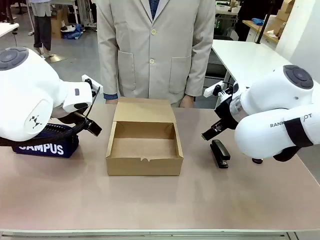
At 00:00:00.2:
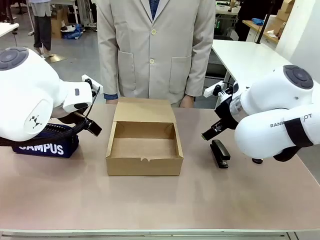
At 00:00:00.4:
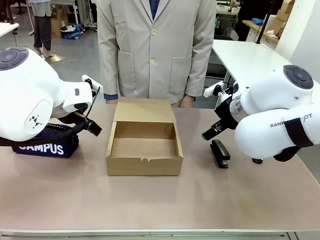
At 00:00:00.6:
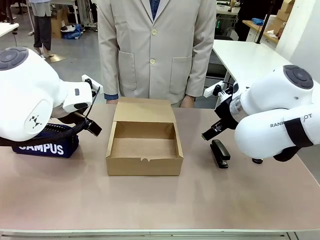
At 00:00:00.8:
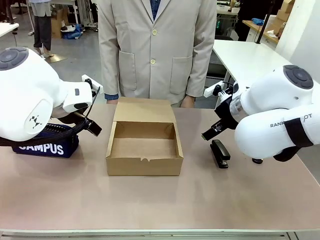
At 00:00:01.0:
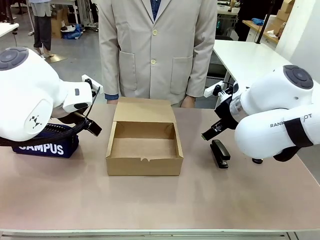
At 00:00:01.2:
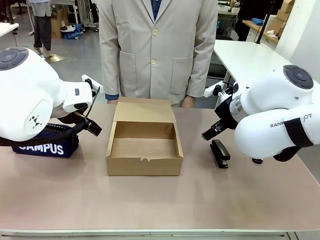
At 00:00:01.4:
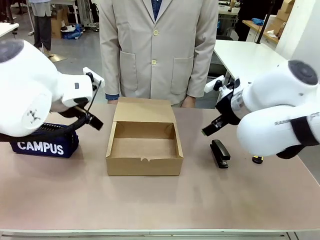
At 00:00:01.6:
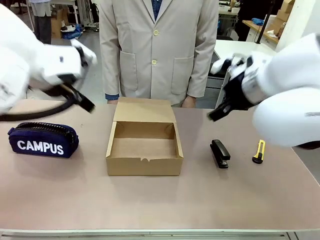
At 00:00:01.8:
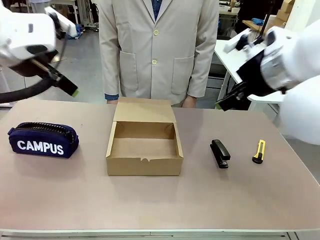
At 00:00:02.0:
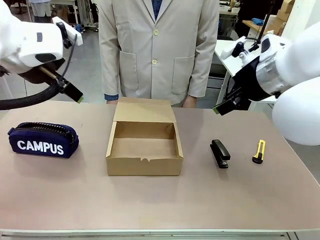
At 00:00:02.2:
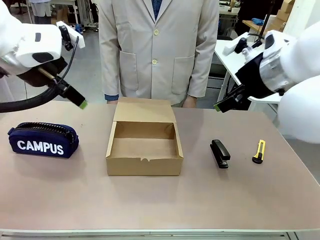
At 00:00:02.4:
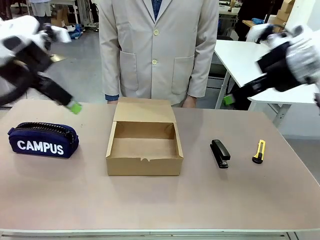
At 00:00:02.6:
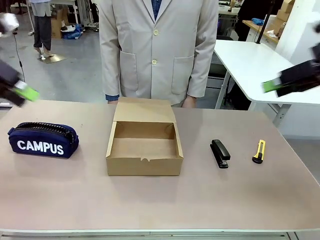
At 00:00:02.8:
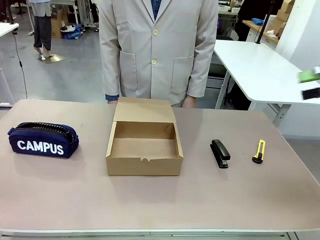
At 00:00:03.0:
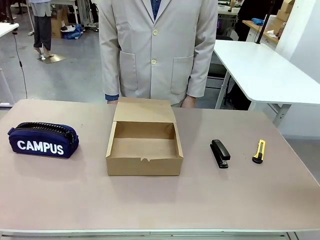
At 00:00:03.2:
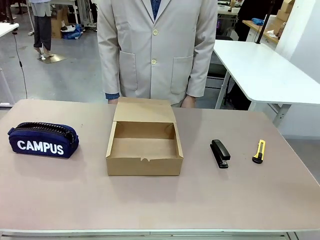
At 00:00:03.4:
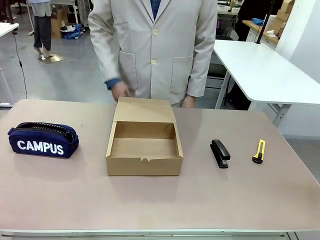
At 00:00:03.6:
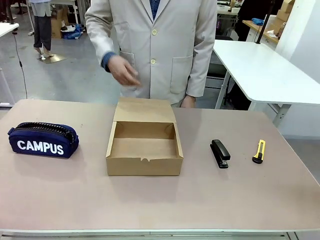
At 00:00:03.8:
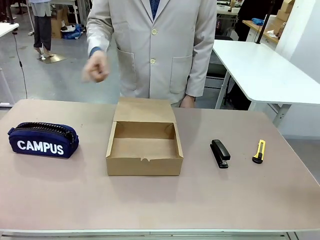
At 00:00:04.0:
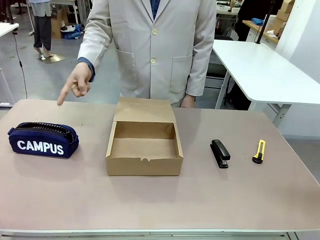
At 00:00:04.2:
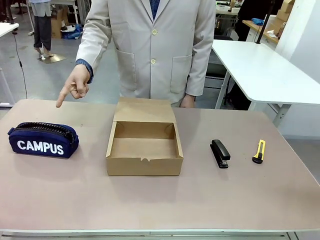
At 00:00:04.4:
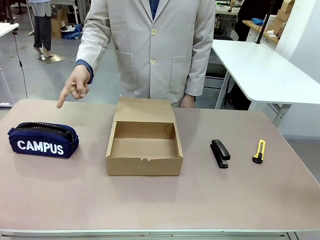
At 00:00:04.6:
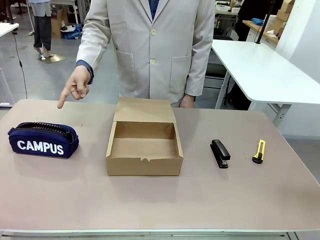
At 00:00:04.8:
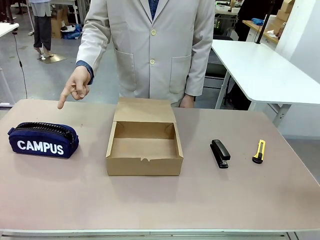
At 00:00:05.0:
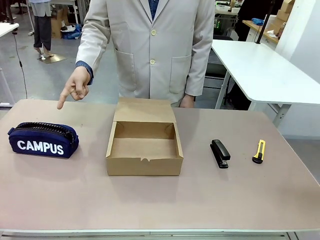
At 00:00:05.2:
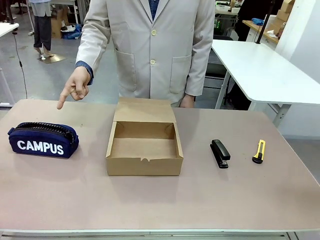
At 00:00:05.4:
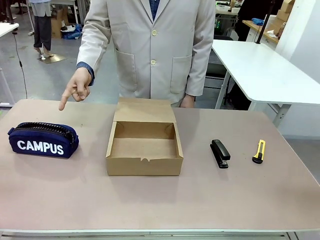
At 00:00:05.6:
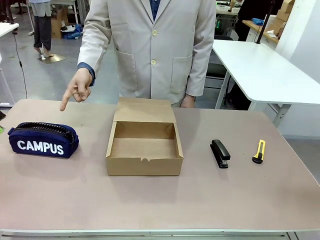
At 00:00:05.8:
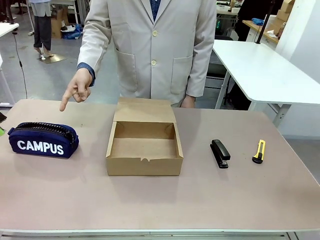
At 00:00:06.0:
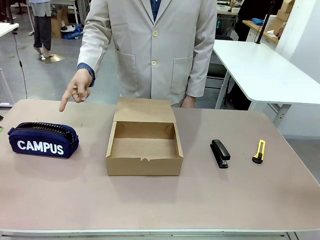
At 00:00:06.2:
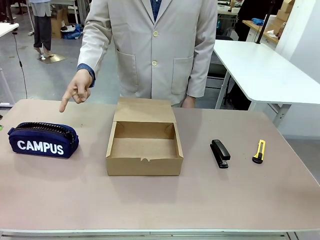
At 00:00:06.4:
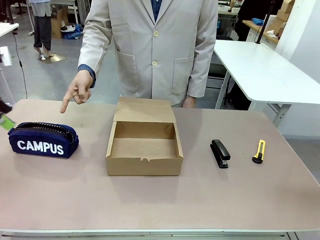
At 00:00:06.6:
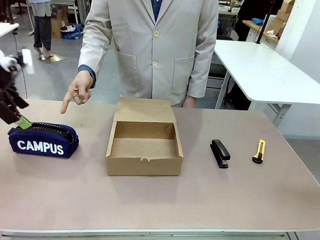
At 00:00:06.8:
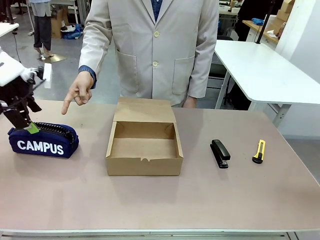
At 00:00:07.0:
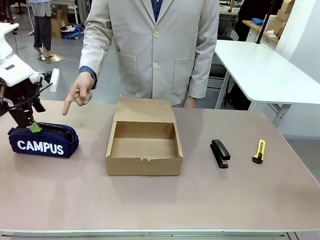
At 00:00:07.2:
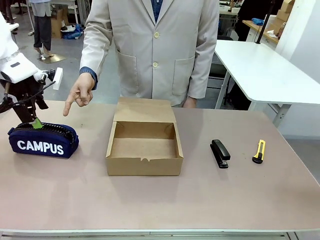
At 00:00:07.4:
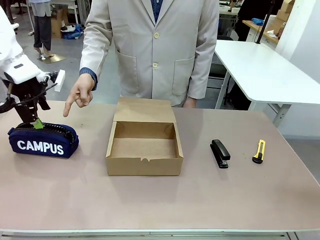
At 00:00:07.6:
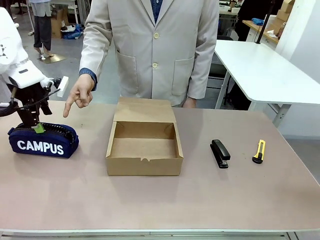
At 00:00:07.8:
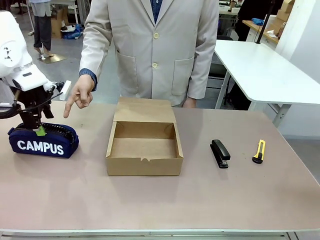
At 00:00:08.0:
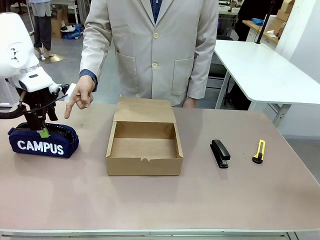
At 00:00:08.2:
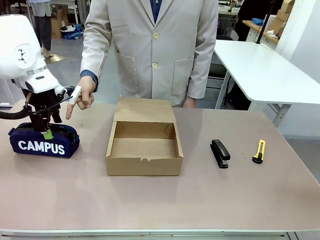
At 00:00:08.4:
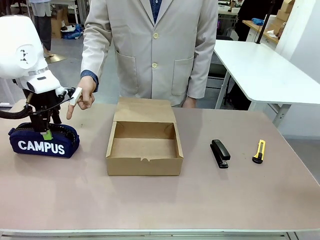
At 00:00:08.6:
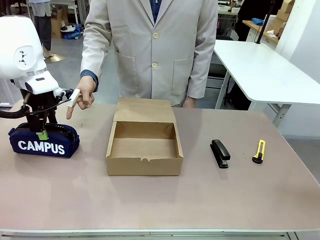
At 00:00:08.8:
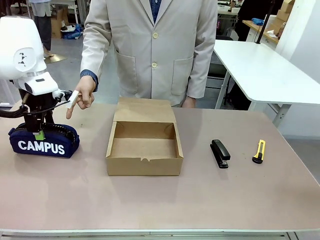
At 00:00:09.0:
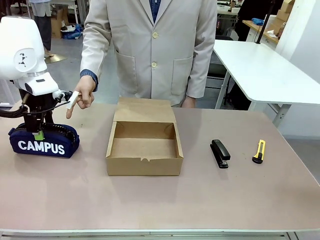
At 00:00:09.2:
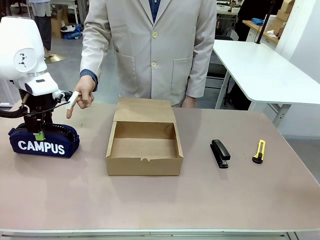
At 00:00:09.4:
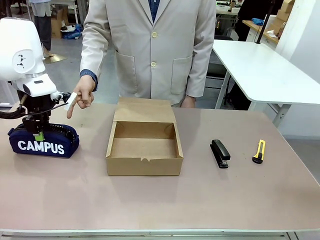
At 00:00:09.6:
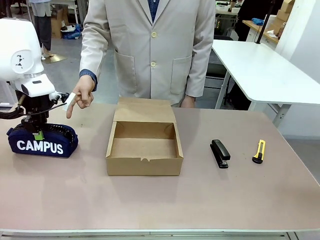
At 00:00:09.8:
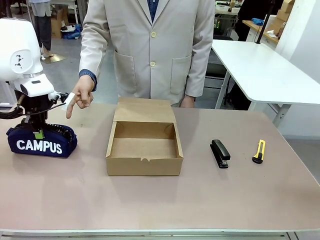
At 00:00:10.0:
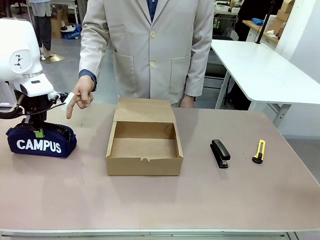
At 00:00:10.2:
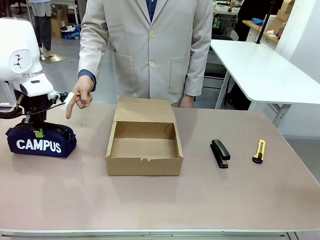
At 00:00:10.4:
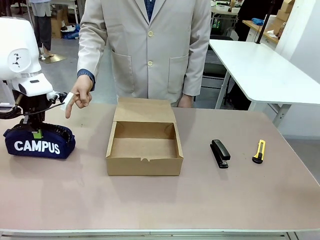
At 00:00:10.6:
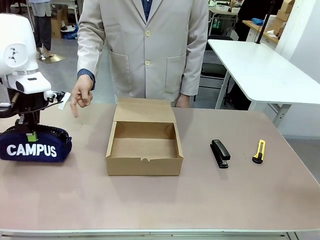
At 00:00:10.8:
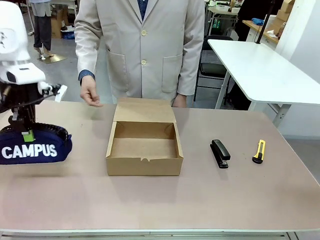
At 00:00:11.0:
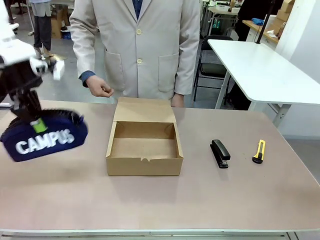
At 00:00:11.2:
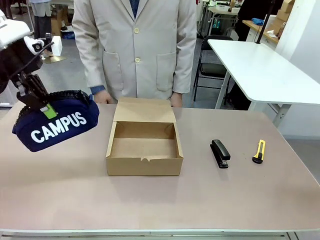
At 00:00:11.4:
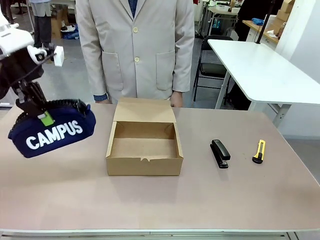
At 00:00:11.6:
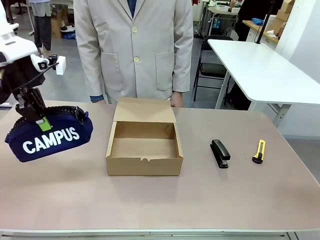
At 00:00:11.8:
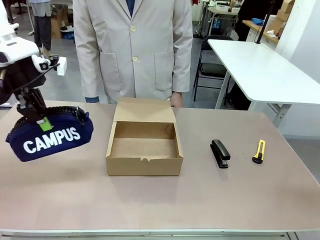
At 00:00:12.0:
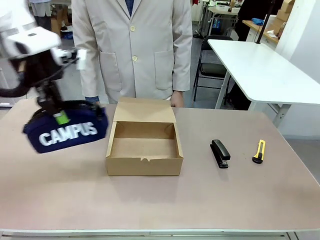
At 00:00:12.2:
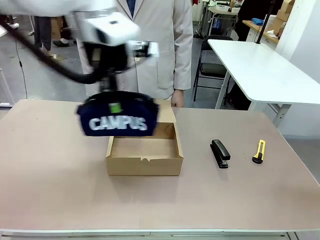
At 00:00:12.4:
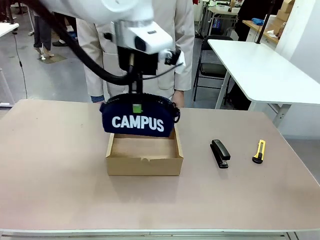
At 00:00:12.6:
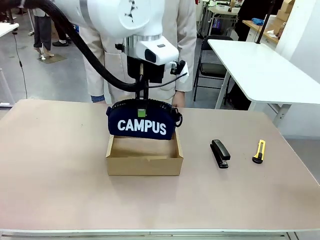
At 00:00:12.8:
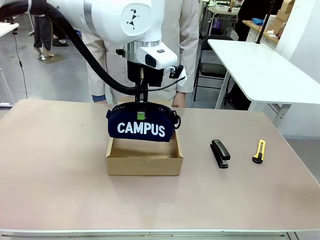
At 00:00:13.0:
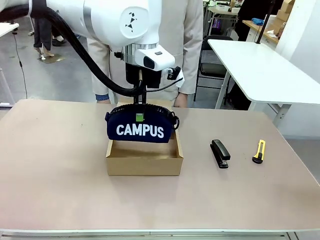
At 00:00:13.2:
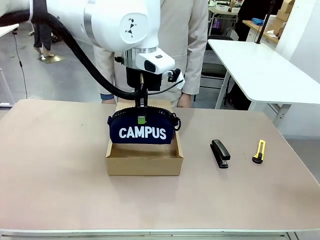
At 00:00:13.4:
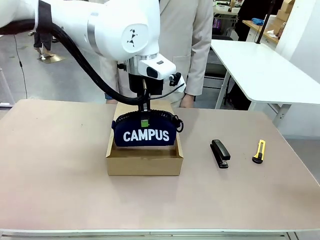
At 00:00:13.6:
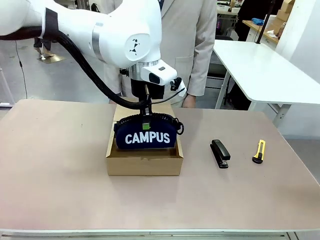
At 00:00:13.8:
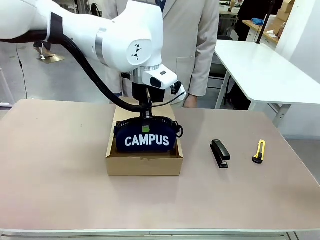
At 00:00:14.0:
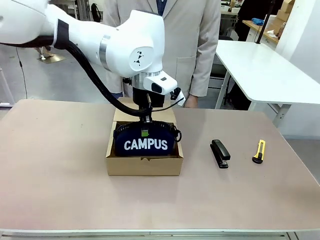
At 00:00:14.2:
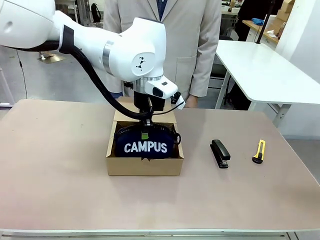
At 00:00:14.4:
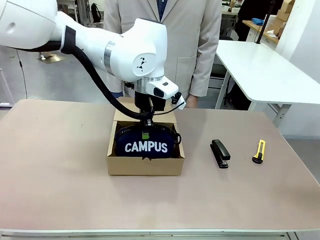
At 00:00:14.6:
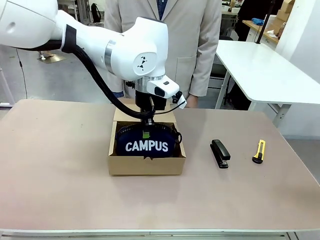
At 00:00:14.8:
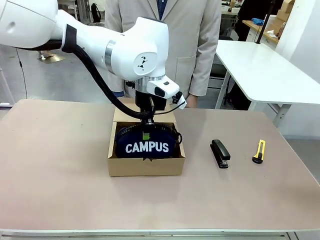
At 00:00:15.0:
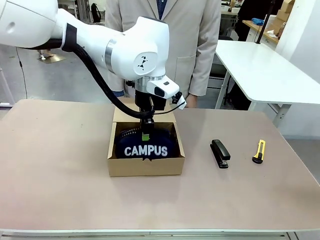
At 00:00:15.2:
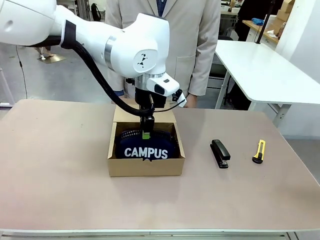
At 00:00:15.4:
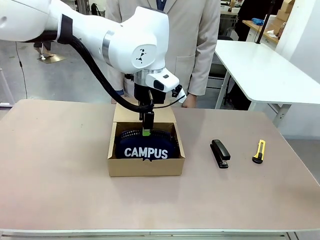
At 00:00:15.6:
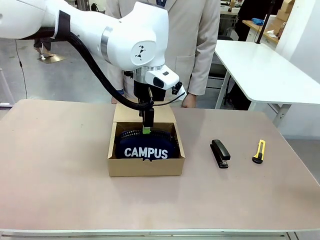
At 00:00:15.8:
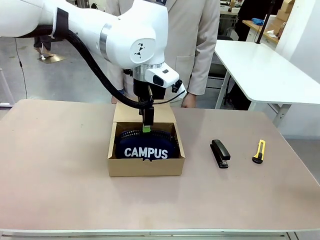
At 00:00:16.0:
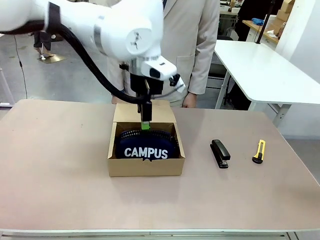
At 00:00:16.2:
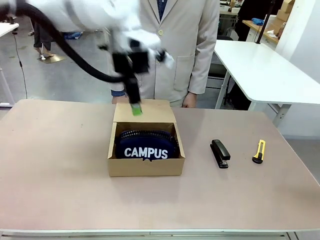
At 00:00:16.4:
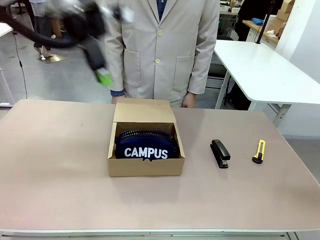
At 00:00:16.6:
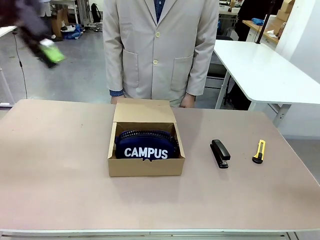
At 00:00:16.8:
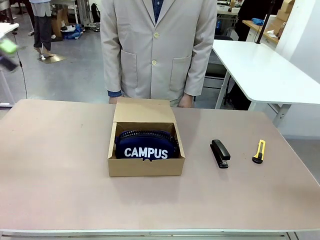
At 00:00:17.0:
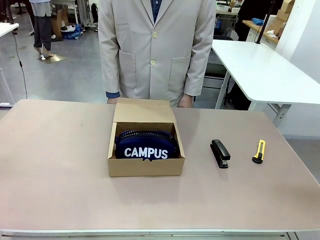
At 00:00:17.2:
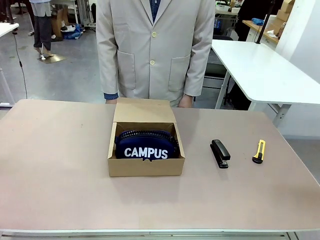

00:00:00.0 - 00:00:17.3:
Task: Pack the item into the box.
Robot: Pick up the item indicated by the person and place it inside the Mailer Box.
Person: Point at one item on the table (excluding the box).
